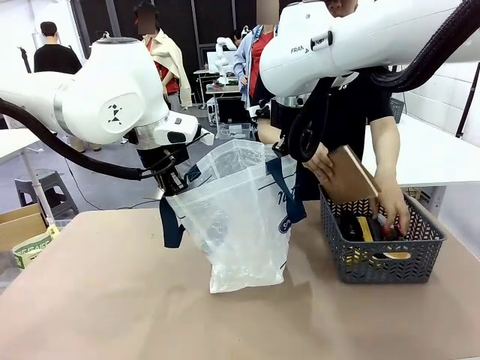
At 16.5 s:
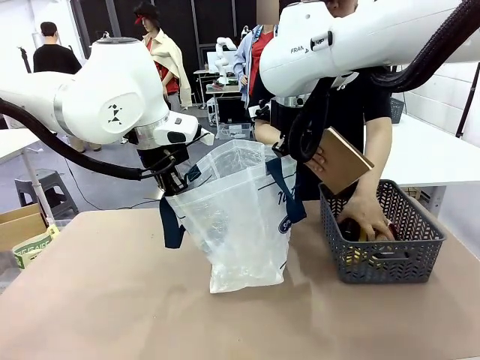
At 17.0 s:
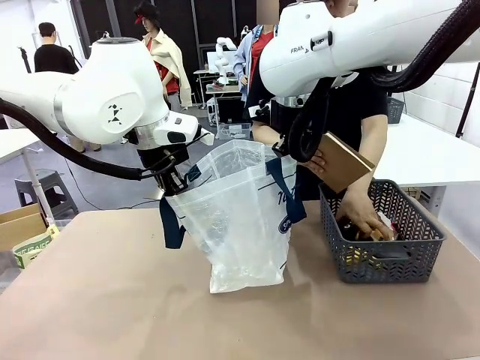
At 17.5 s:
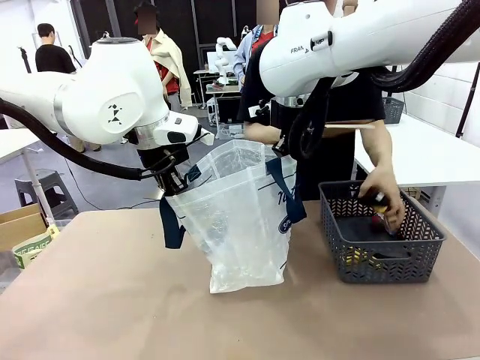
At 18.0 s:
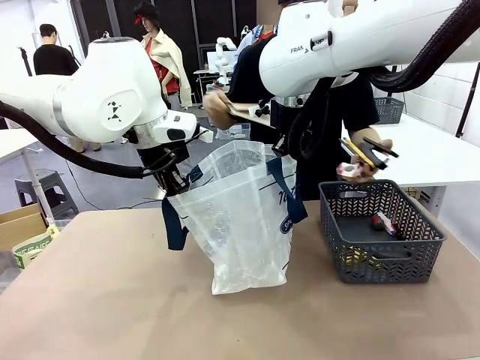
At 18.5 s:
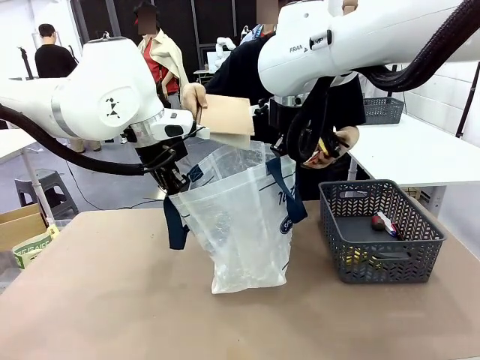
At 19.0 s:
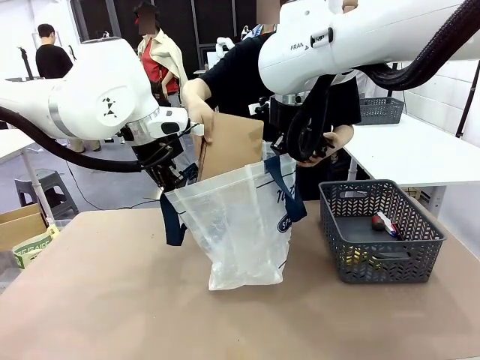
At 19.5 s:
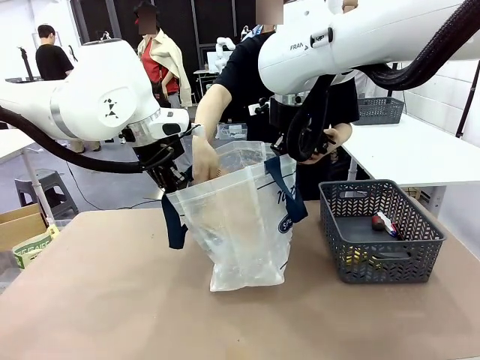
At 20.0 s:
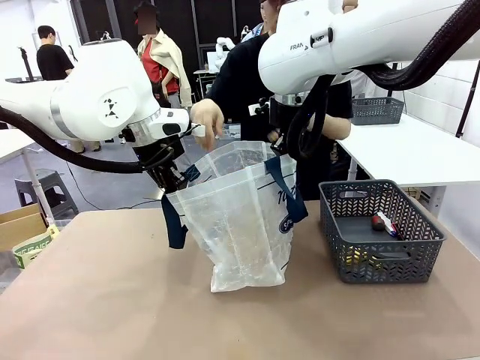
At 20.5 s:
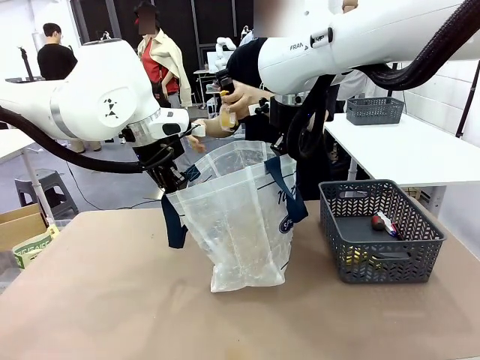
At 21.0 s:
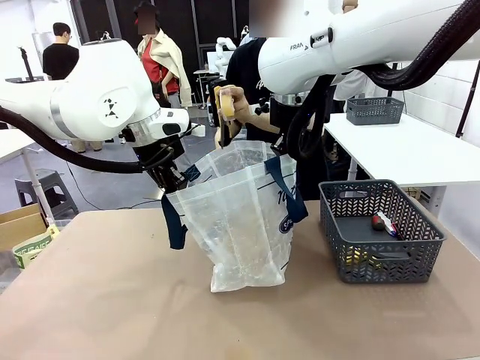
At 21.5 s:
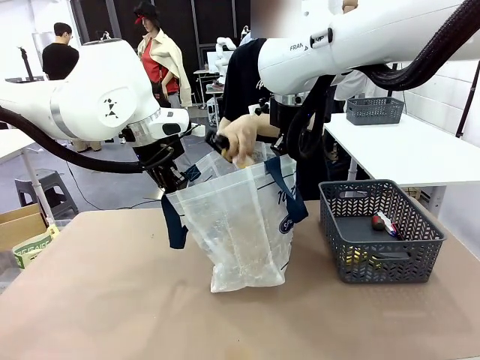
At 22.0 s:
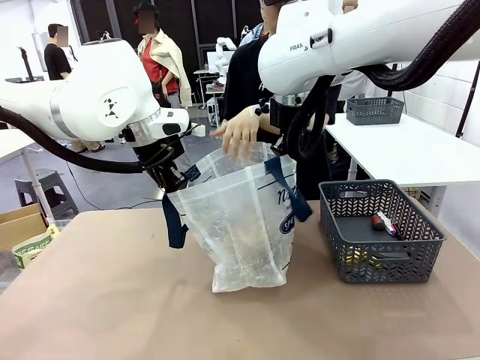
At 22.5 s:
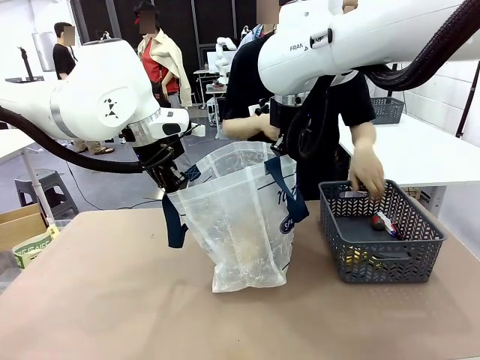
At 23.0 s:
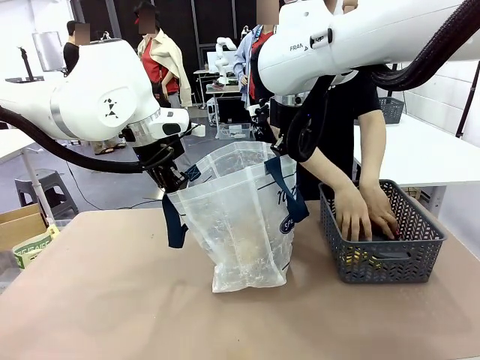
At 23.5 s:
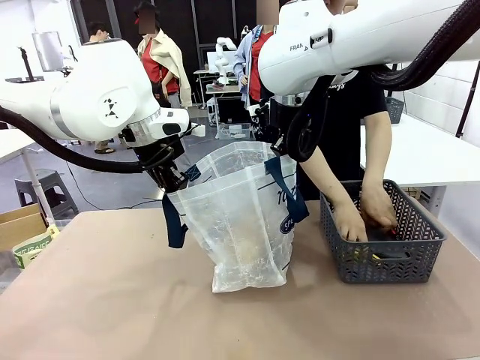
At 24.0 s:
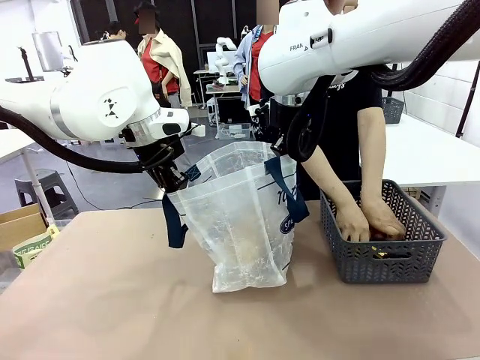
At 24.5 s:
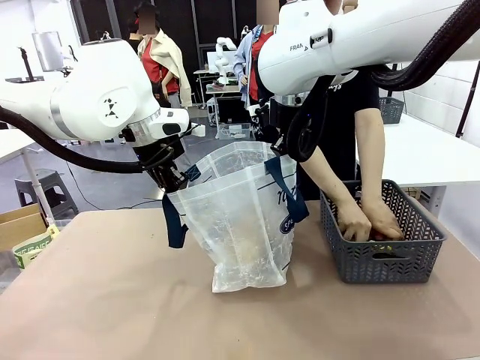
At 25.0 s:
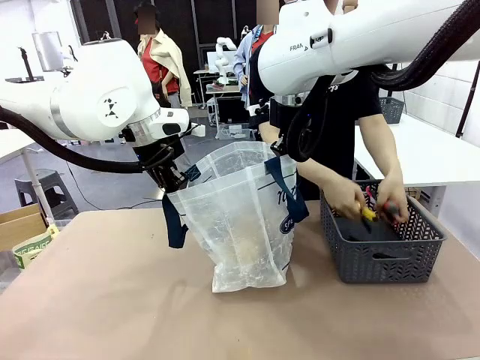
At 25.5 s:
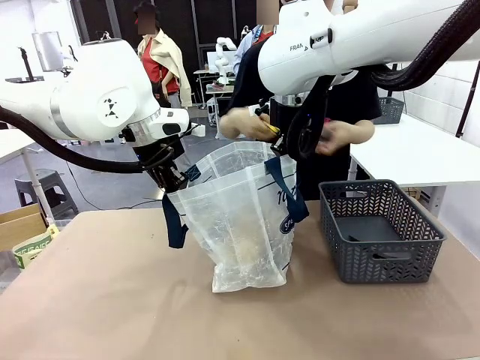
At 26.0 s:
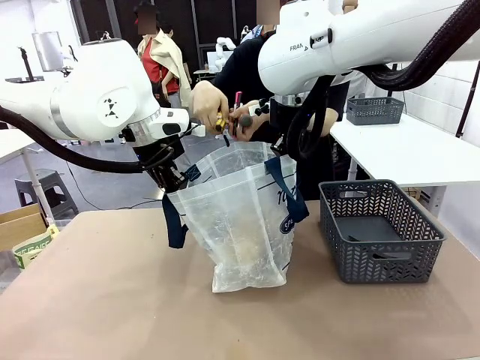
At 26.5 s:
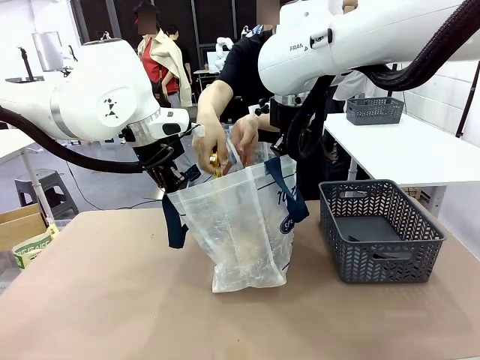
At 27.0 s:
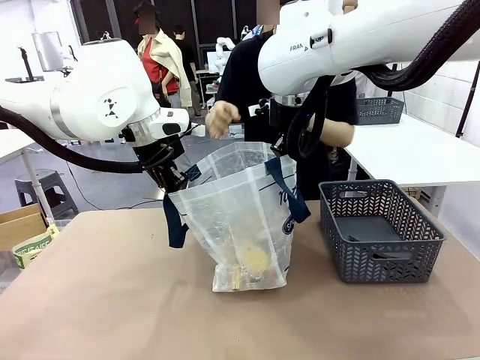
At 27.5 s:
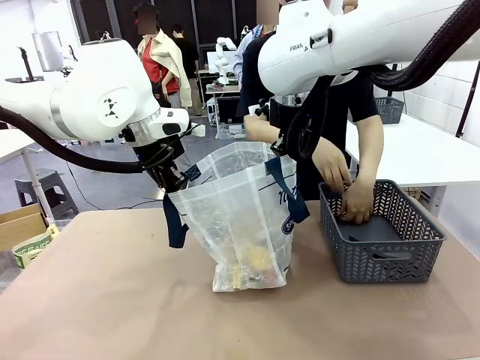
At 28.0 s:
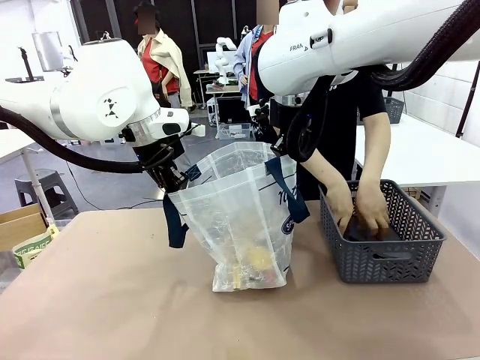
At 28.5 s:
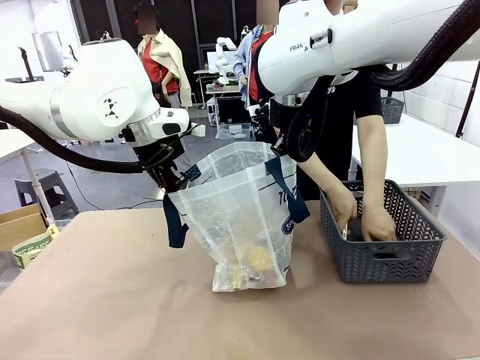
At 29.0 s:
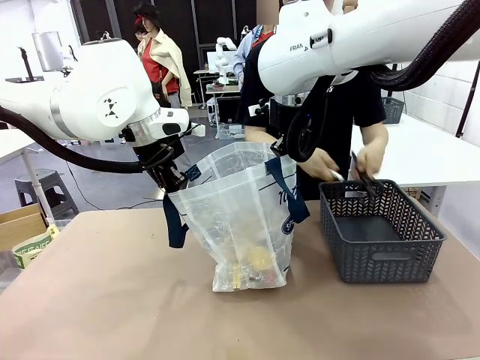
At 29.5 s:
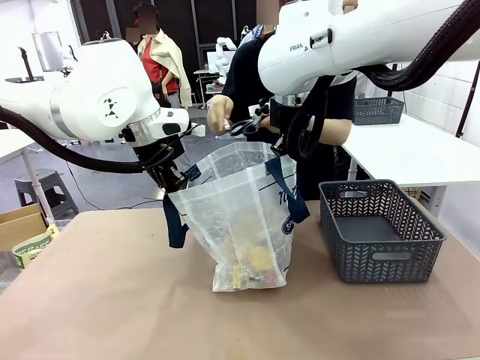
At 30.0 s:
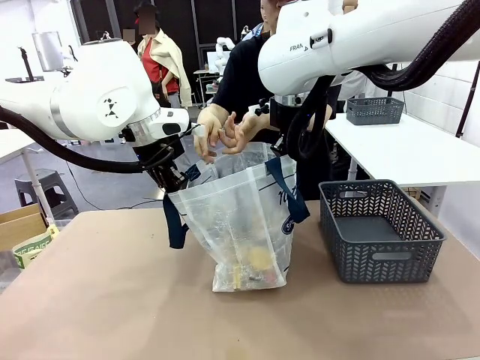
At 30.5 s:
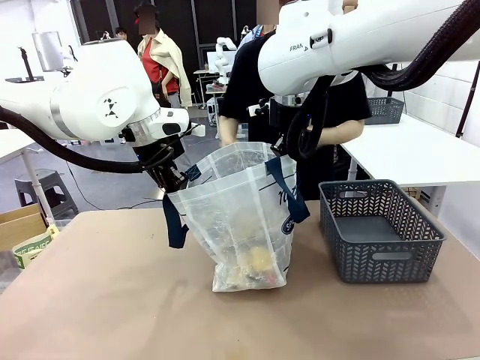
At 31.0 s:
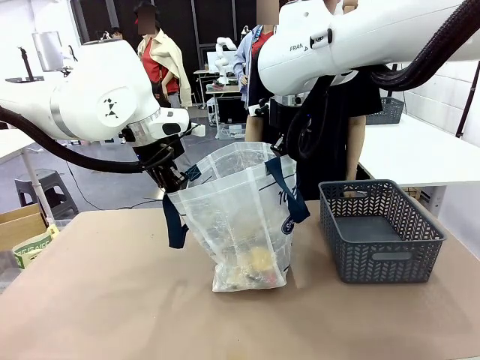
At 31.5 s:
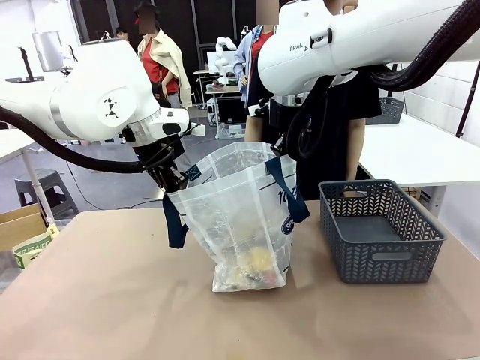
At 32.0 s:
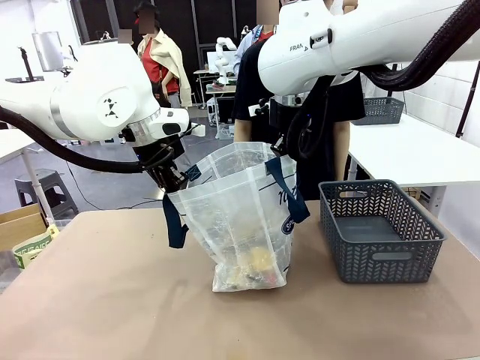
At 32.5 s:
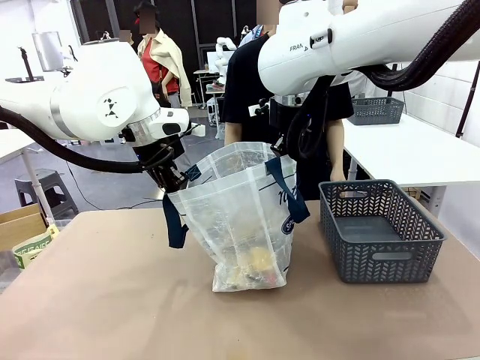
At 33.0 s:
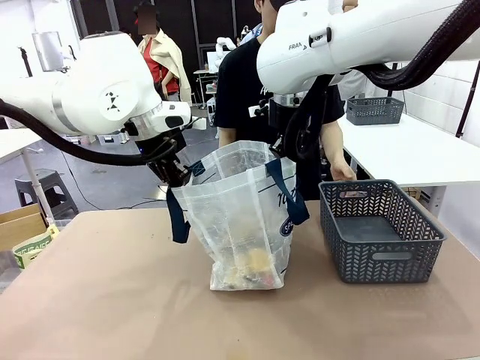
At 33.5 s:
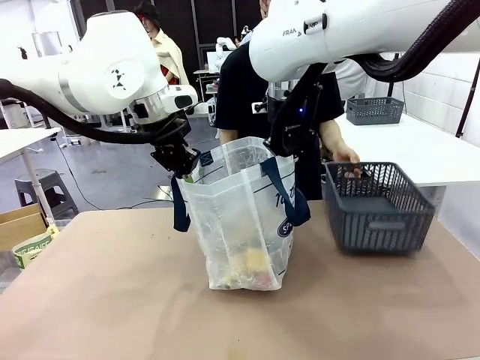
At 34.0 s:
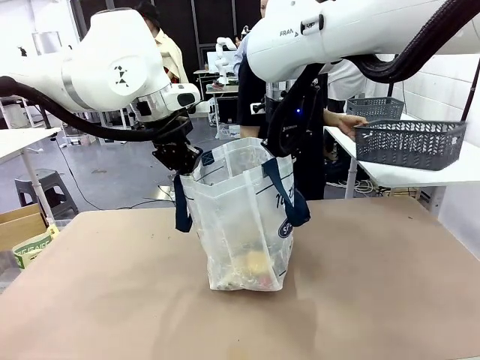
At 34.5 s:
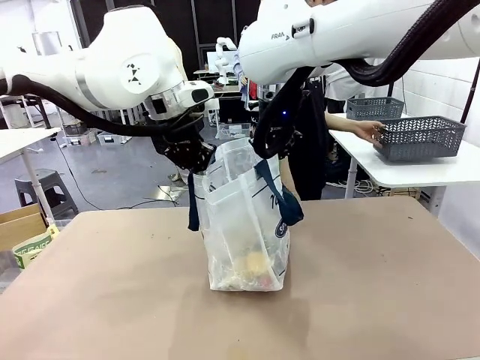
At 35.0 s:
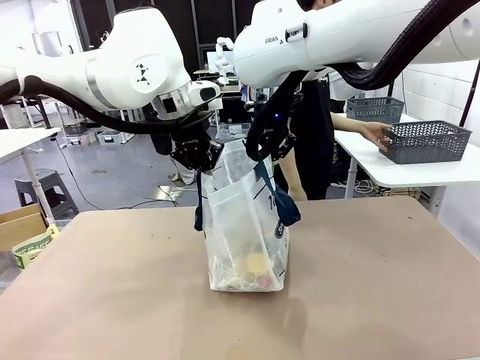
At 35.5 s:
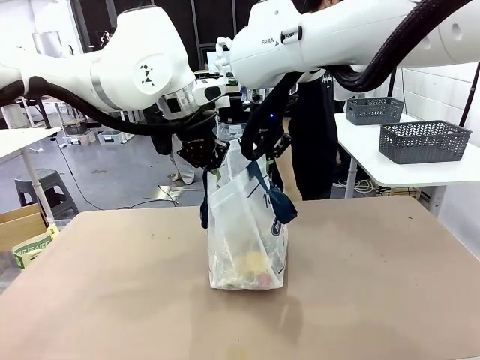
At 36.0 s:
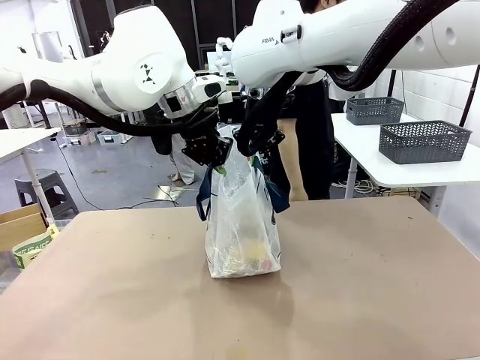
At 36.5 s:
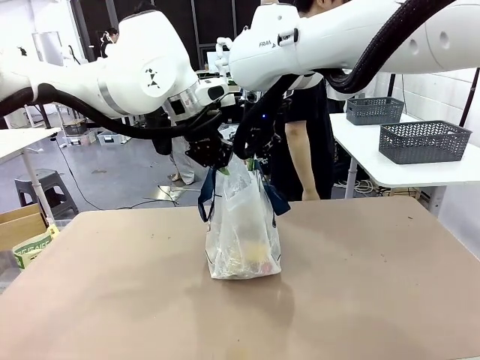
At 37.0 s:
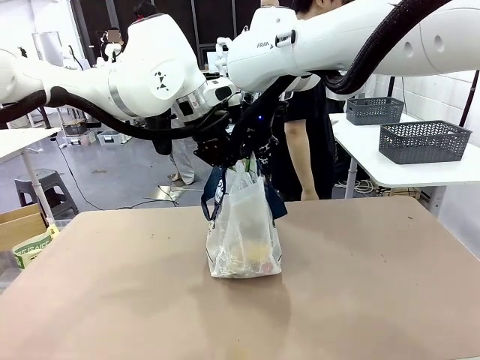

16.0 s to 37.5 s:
Task: Transfer purchased items from the store into the shopping bag.
Robot: Move the Reusable shopping bag to the right side of the table.
Person: Pick up the basket on the right, place it on the left side of the robot table, and move the items in the basket to the shopping bag. Pick up the basket with the items out and place it on the right side of the human table.
